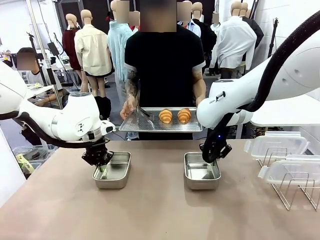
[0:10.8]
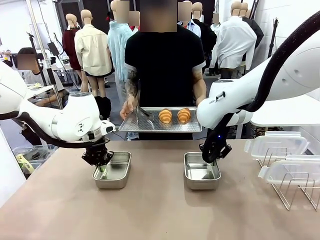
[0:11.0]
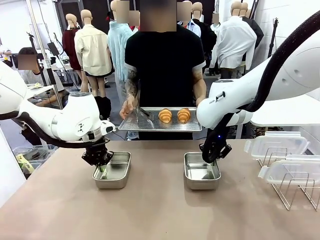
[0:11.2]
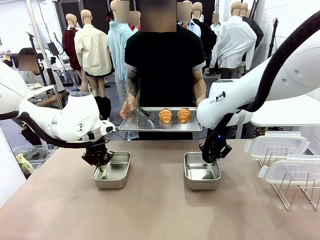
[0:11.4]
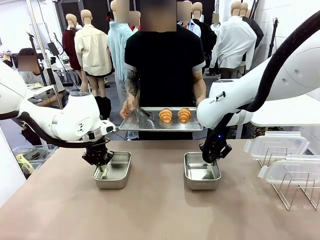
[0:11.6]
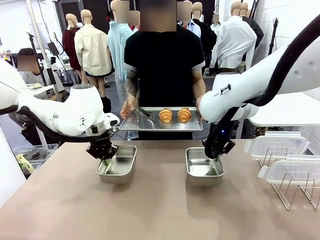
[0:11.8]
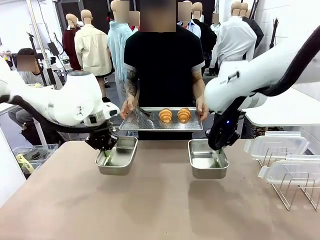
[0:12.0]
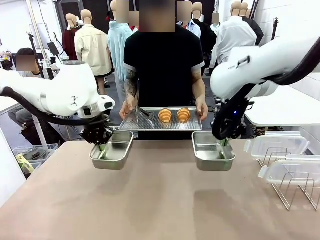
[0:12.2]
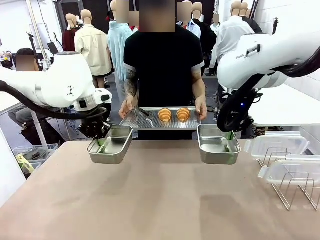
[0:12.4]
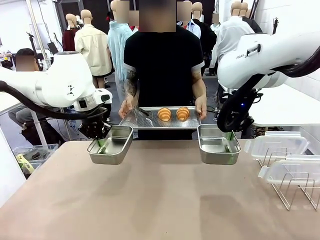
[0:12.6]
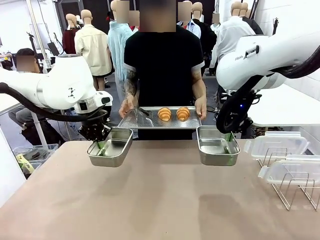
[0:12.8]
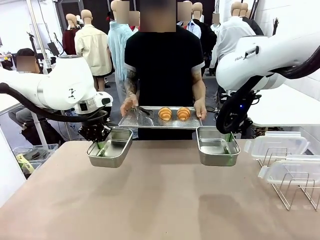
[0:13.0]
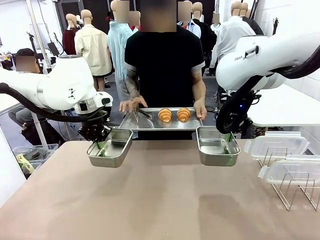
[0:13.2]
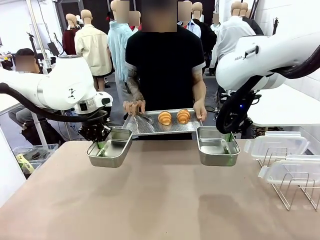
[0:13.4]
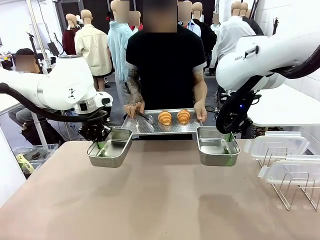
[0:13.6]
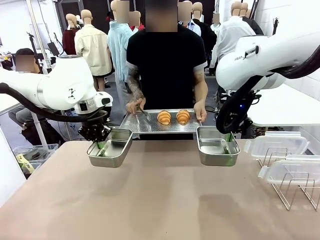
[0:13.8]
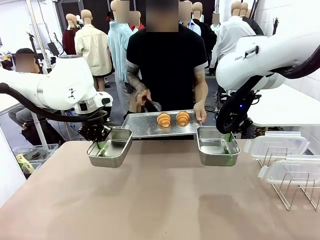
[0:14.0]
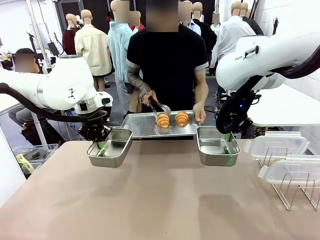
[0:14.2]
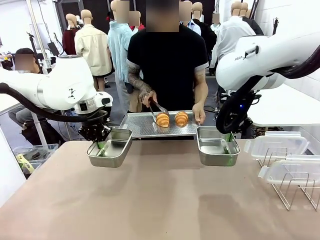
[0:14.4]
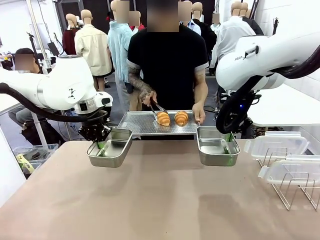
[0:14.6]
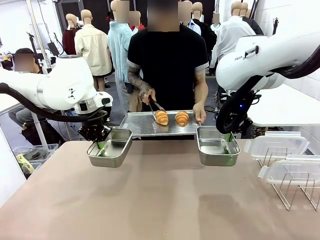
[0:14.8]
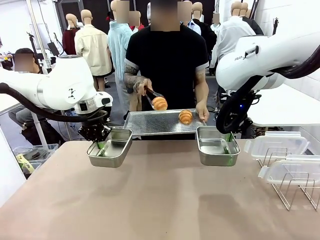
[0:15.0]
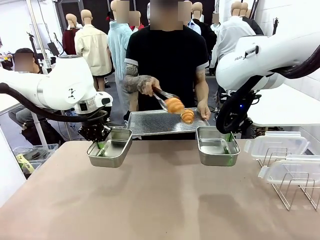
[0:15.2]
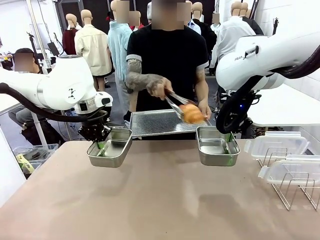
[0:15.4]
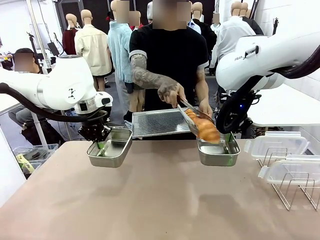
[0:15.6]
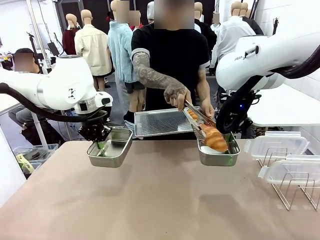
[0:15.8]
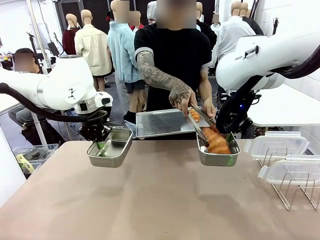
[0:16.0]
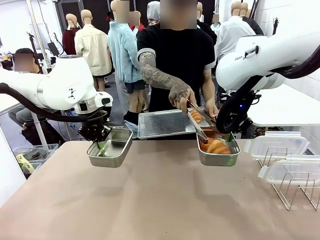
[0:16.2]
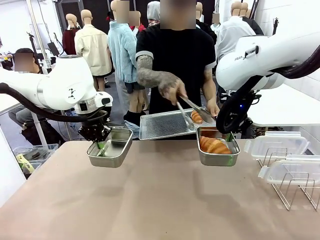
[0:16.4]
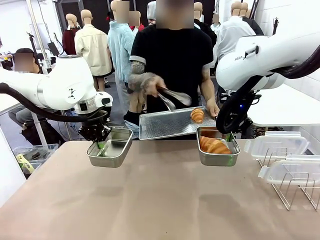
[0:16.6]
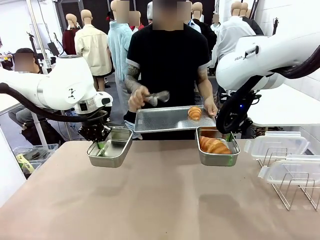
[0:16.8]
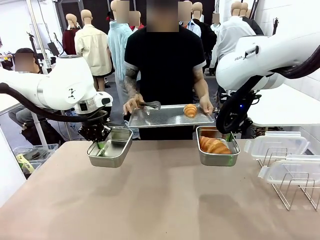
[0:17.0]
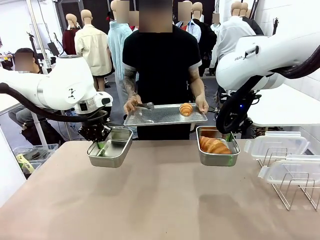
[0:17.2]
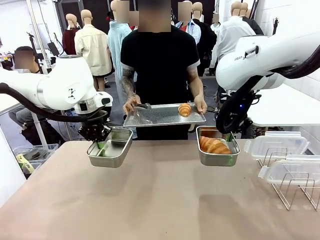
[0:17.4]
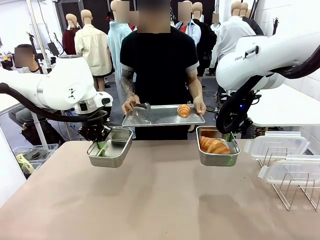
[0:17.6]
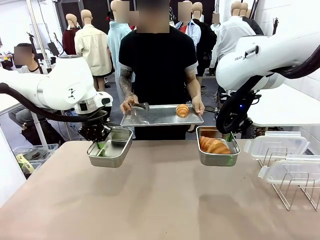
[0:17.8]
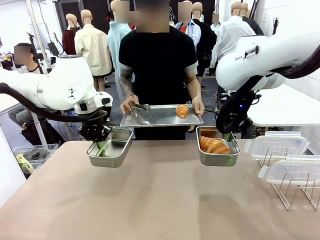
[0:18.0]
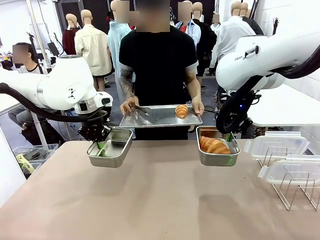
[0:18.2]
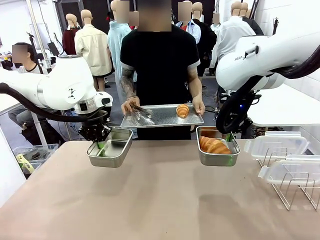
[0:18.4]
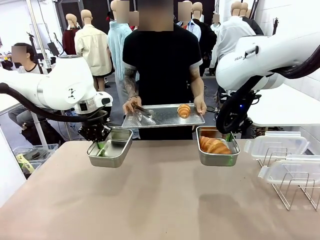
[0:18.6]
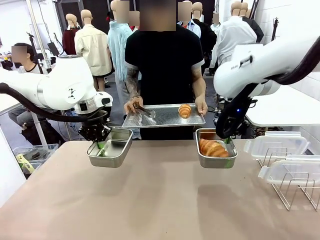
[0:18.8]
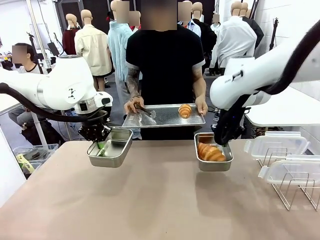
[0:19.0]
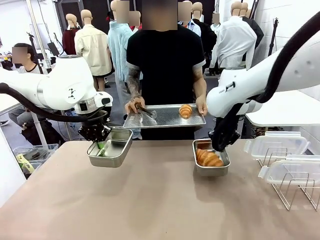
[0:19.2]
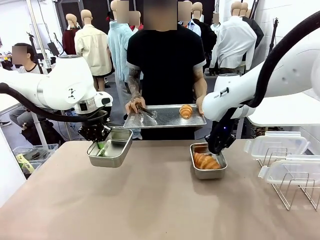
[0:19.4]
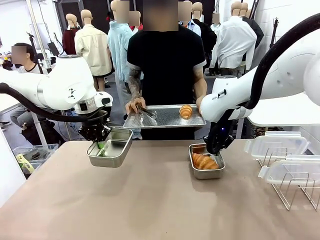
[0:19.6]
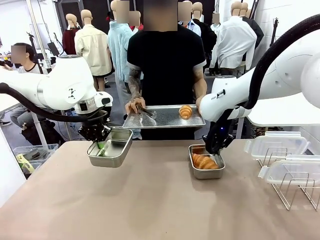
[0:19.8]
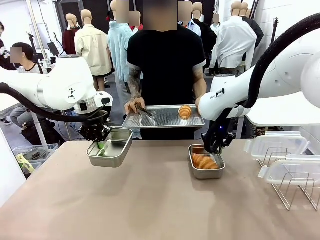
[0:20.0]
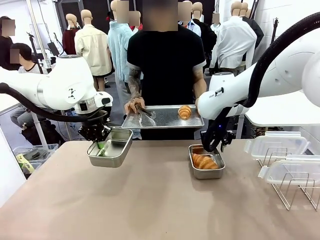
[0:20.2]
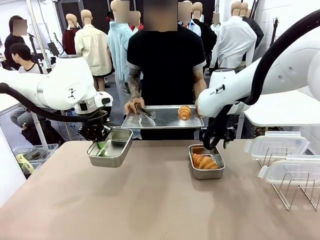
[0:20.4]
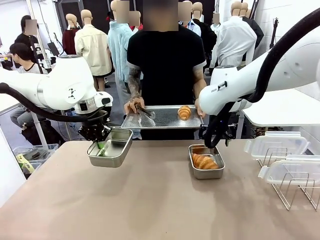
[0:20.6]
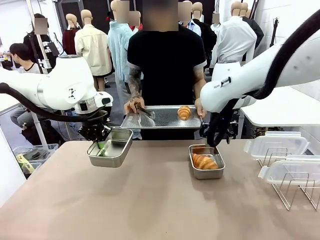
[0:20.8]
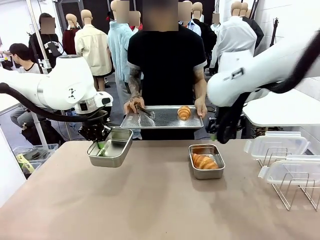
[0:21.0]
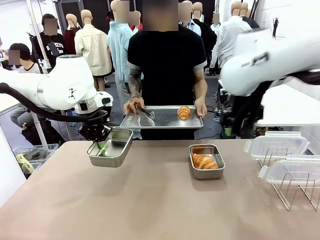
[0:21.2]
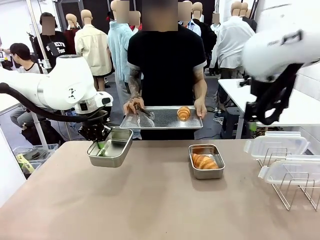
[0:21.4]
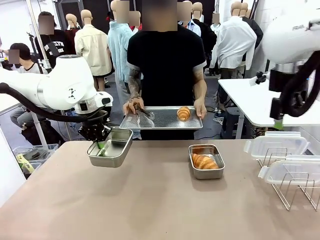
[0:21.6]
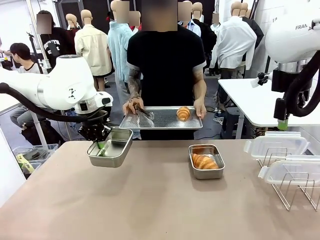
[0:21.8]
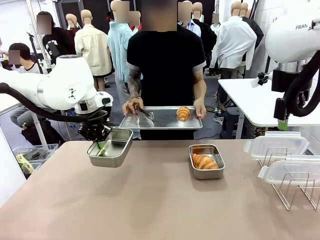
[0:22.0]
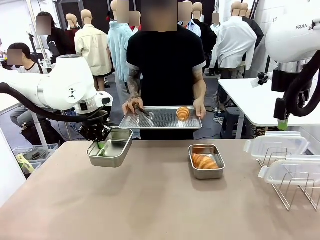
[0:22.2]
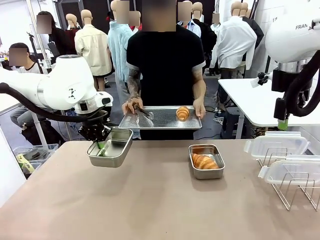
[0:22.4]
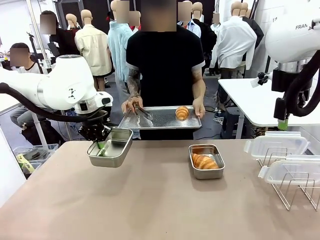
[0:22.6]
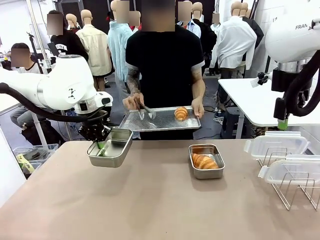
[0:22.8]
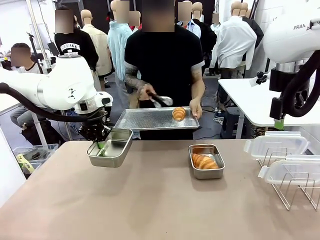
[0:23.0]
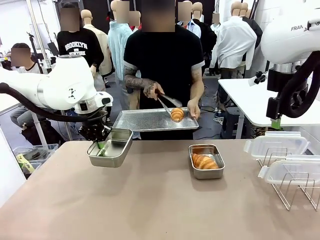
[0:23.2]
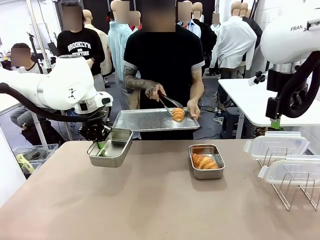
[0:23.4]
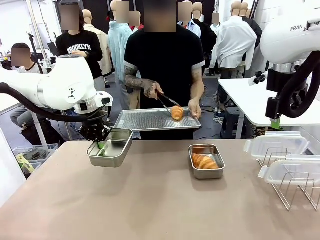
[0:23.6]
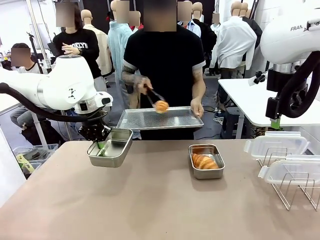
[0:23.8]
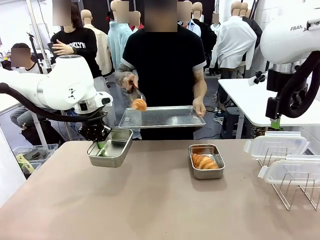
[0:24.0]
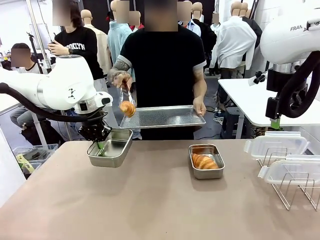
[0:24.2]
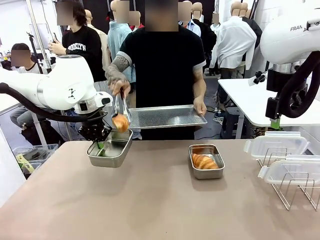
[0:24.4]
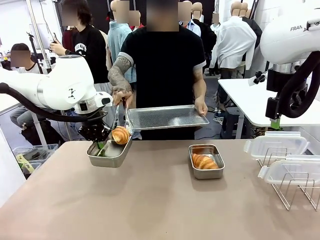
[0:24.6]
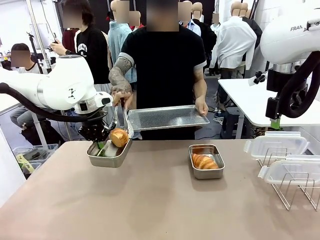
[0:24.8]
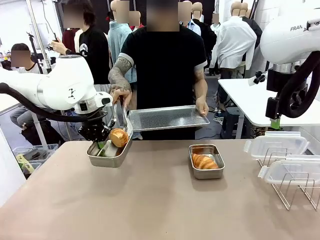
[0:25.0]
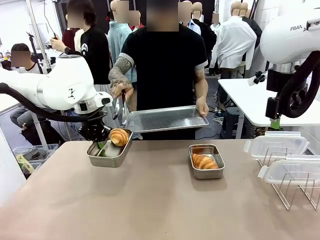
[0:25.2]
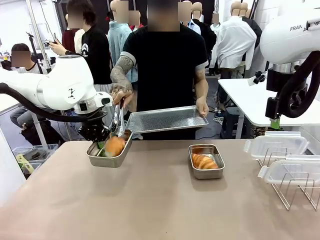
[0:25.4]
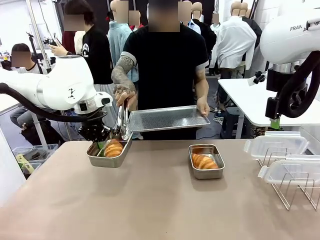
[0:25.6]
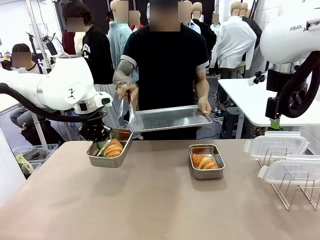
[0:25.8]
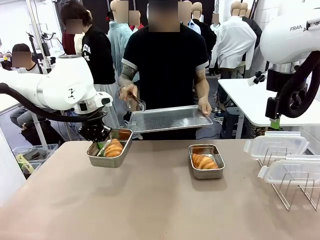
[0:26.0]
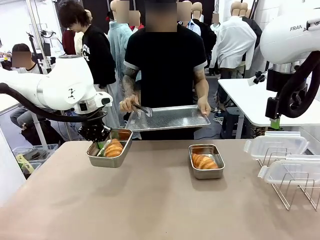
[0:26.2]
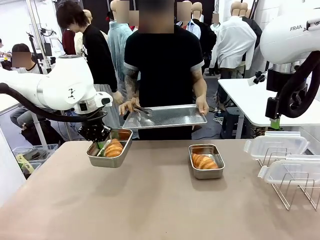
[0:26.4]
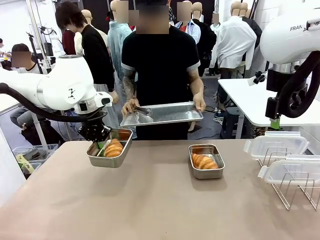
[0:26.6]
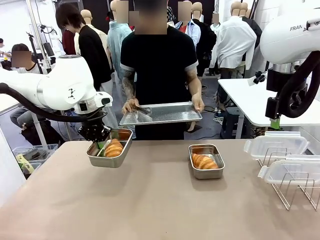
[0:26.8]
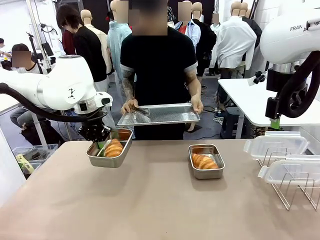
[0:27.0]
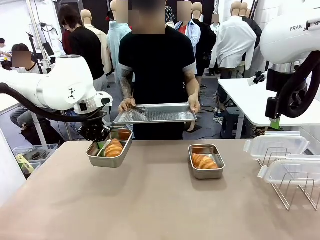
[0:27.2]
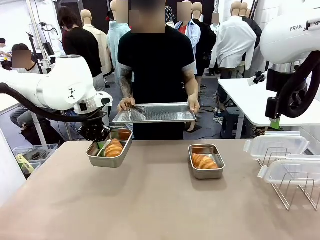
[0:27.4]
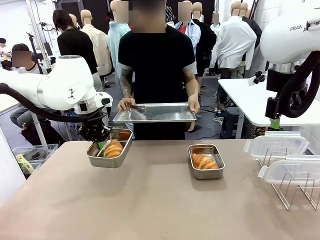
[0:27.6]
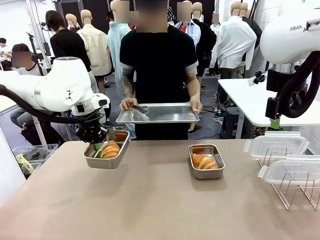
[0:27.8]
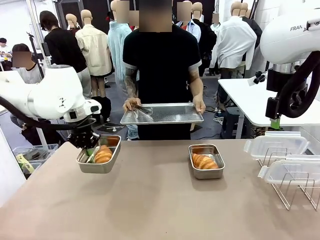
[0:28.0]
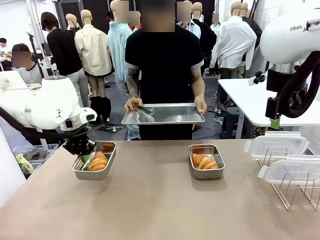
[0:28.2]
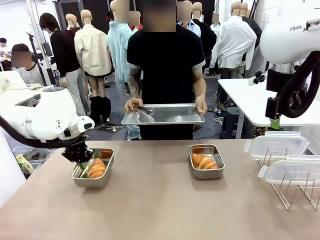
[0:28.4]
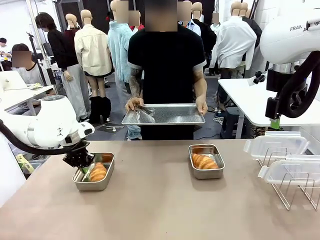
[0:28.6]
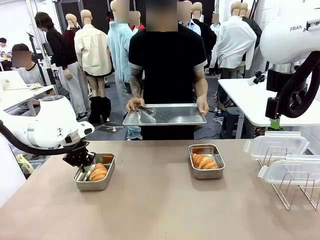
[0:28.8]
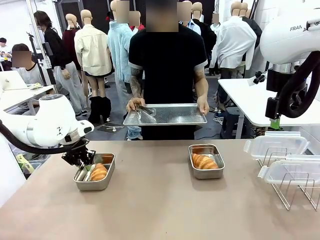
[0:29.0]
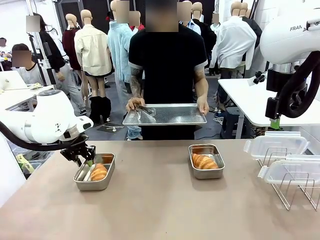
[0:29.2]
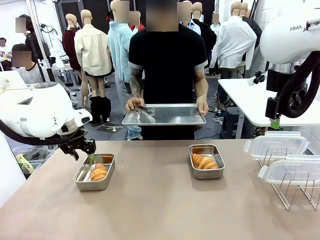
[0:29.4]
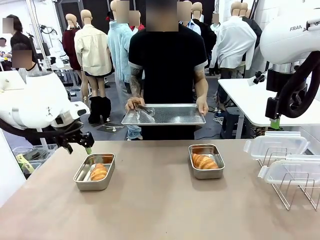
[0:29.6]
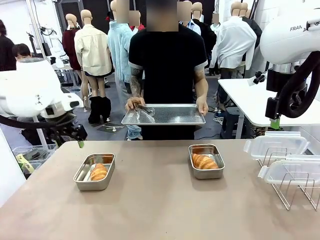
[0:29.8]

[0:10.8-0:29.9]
Task: Place the bread in airtight containers.
Robot: Once an object is inside an Airtight Container , place the container in the center of the table.
Person: Use the Stainless steel tongs to place one object from Baking Sheet into one Airtight Container.
